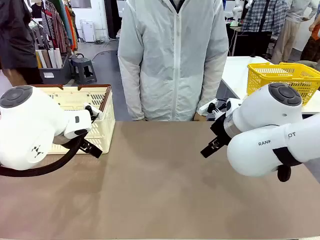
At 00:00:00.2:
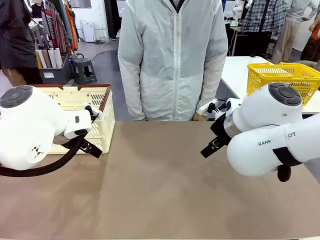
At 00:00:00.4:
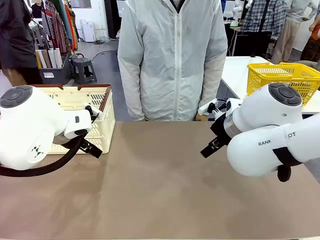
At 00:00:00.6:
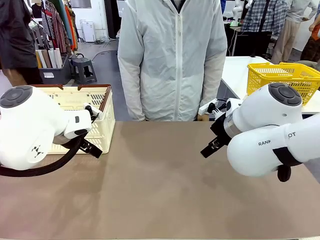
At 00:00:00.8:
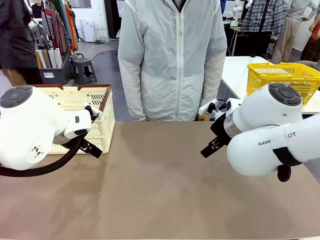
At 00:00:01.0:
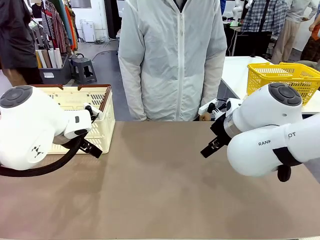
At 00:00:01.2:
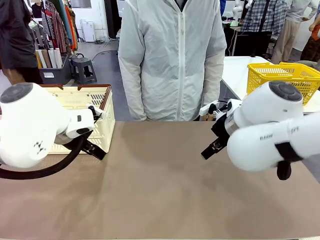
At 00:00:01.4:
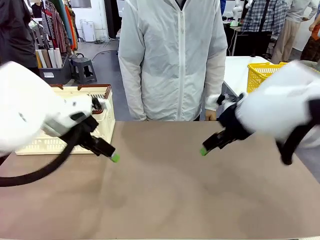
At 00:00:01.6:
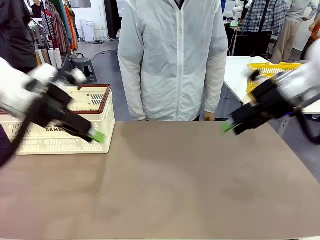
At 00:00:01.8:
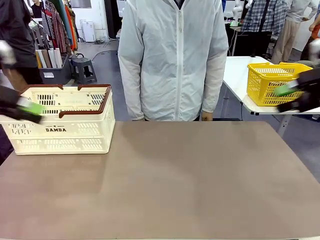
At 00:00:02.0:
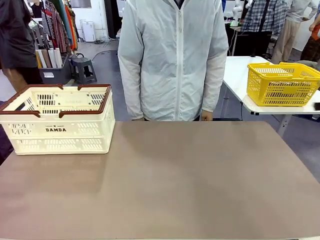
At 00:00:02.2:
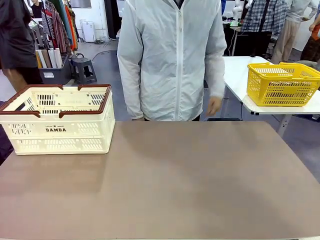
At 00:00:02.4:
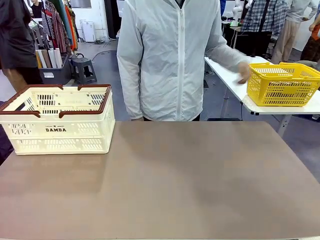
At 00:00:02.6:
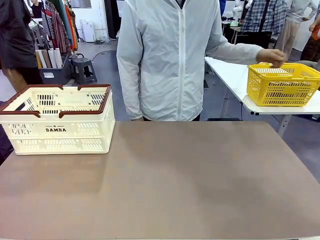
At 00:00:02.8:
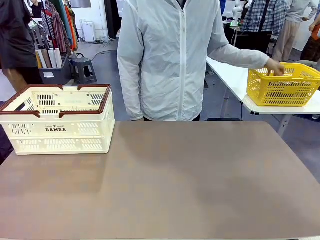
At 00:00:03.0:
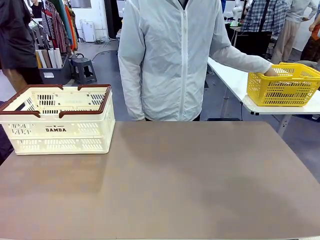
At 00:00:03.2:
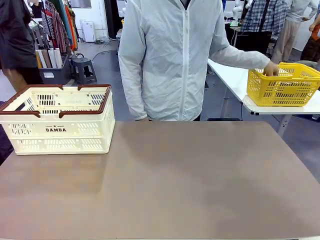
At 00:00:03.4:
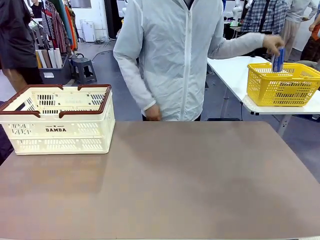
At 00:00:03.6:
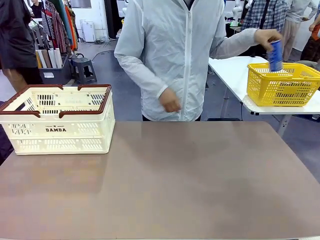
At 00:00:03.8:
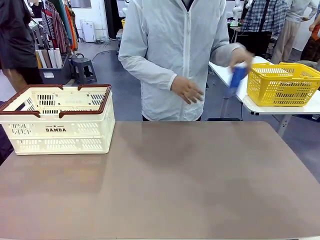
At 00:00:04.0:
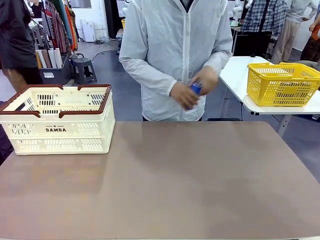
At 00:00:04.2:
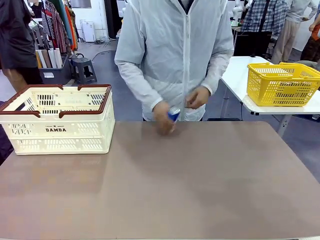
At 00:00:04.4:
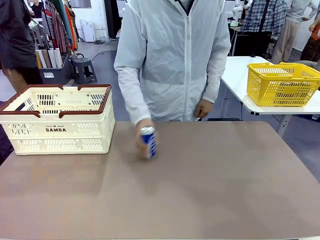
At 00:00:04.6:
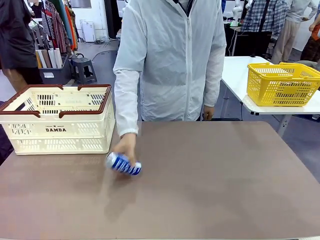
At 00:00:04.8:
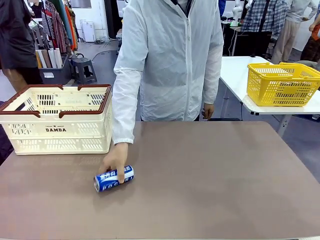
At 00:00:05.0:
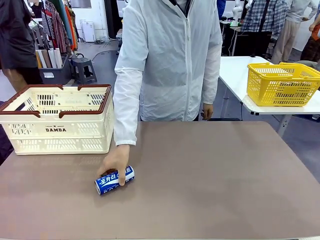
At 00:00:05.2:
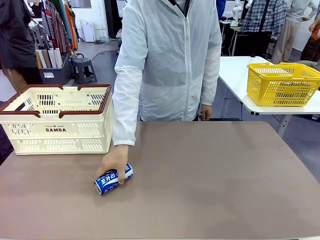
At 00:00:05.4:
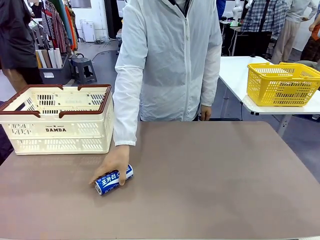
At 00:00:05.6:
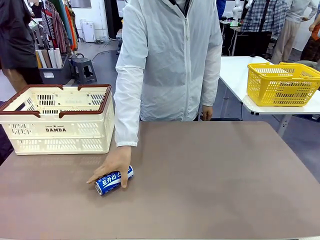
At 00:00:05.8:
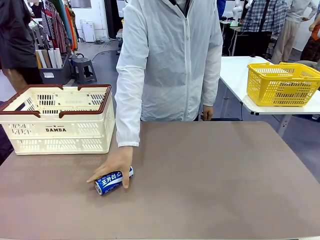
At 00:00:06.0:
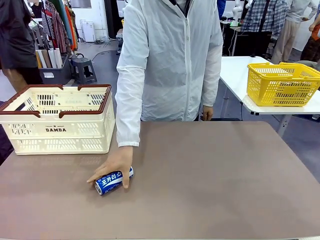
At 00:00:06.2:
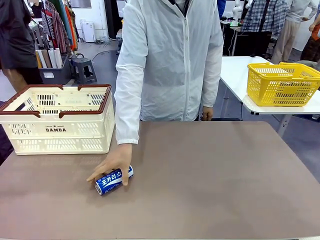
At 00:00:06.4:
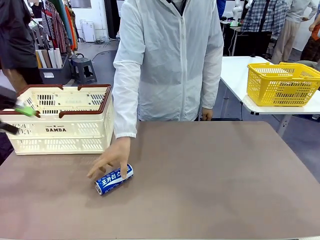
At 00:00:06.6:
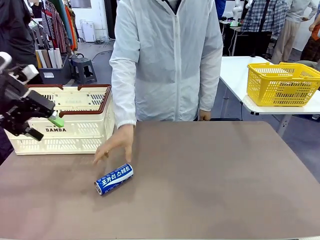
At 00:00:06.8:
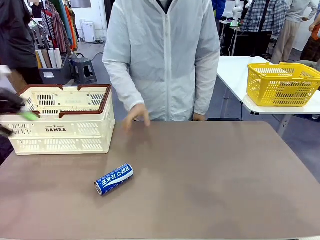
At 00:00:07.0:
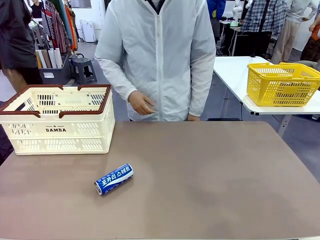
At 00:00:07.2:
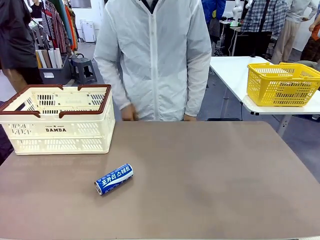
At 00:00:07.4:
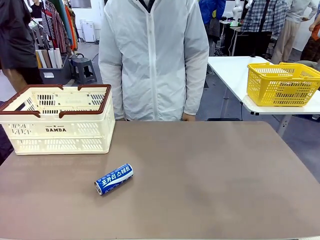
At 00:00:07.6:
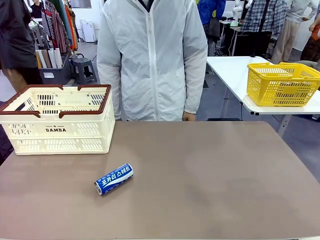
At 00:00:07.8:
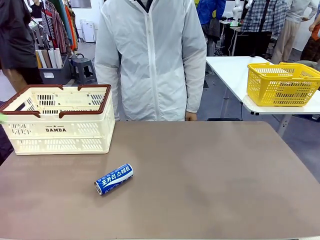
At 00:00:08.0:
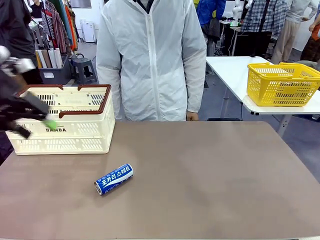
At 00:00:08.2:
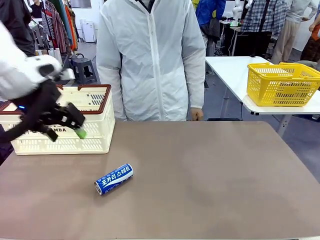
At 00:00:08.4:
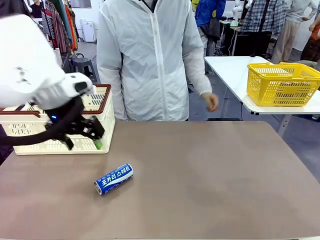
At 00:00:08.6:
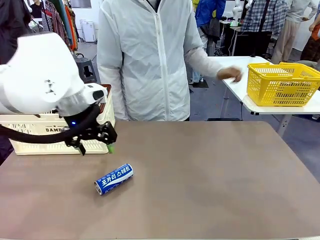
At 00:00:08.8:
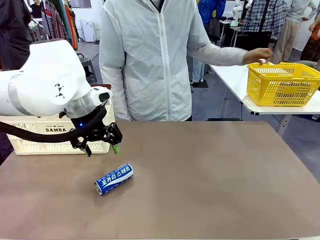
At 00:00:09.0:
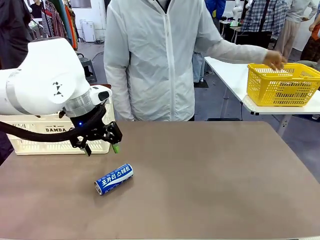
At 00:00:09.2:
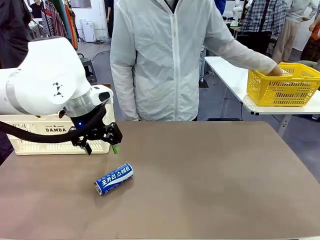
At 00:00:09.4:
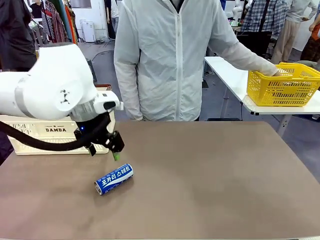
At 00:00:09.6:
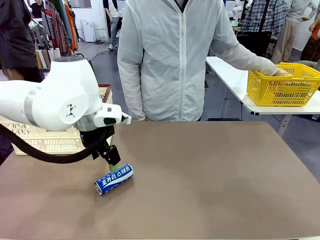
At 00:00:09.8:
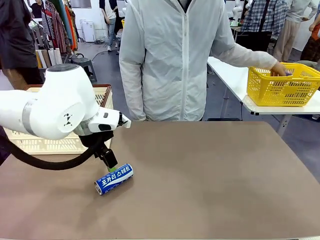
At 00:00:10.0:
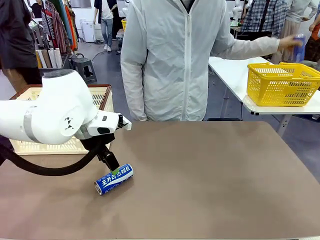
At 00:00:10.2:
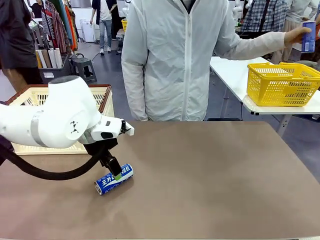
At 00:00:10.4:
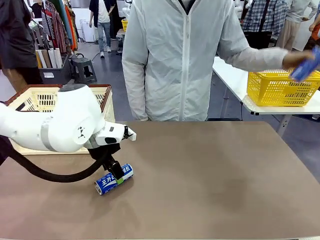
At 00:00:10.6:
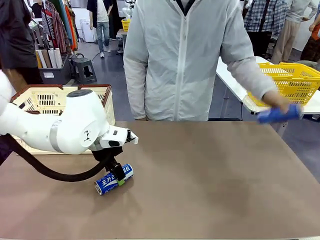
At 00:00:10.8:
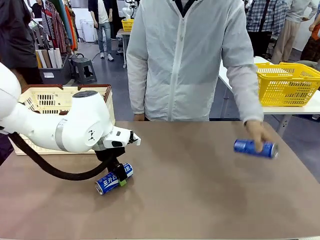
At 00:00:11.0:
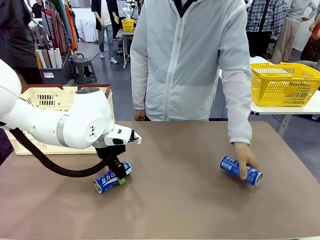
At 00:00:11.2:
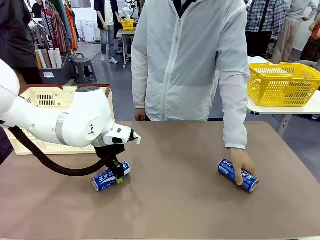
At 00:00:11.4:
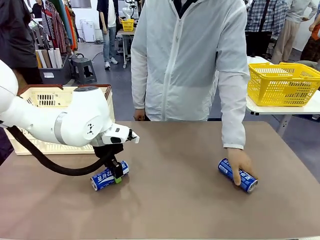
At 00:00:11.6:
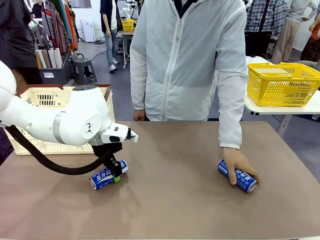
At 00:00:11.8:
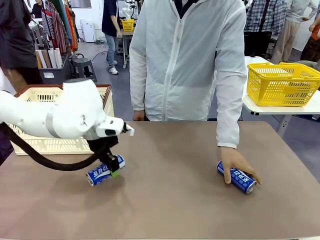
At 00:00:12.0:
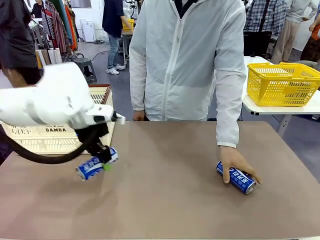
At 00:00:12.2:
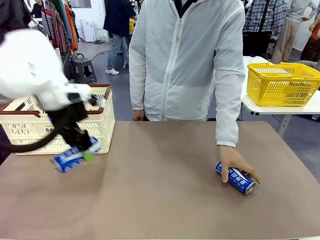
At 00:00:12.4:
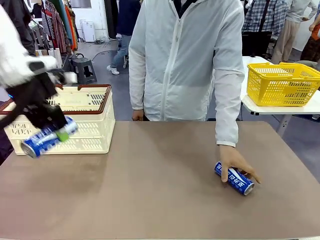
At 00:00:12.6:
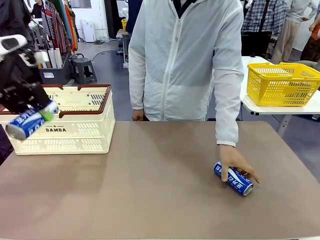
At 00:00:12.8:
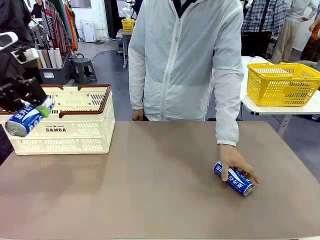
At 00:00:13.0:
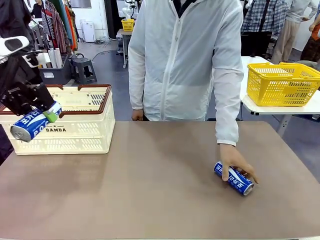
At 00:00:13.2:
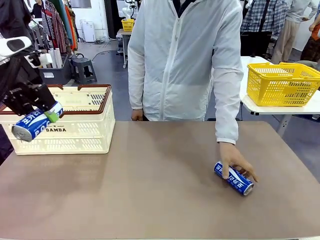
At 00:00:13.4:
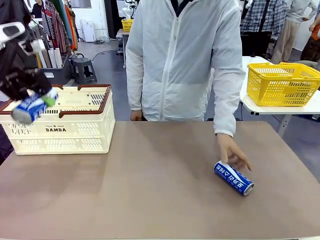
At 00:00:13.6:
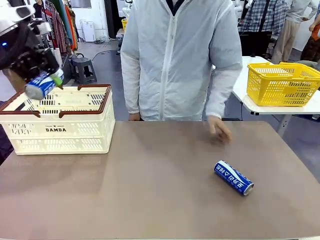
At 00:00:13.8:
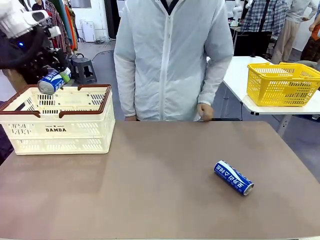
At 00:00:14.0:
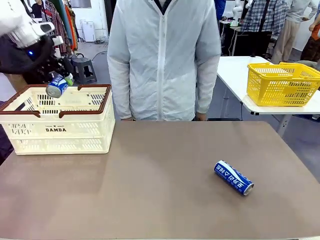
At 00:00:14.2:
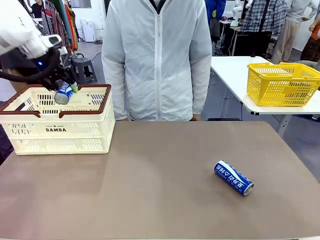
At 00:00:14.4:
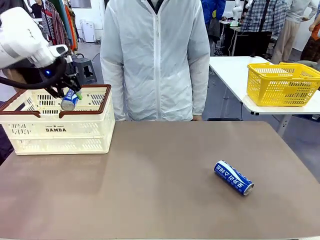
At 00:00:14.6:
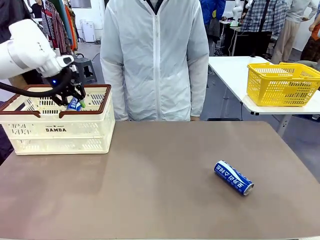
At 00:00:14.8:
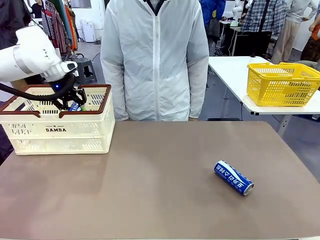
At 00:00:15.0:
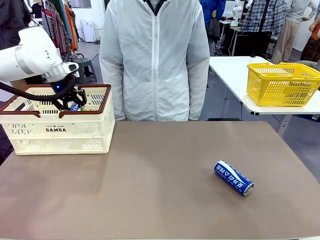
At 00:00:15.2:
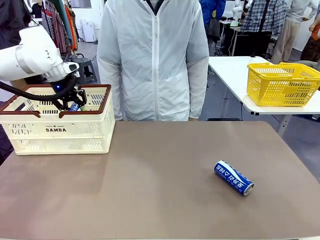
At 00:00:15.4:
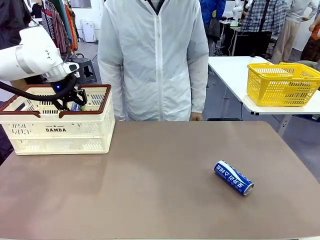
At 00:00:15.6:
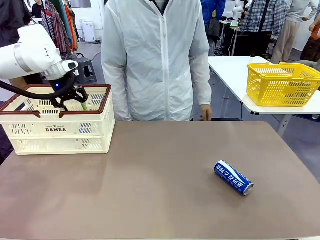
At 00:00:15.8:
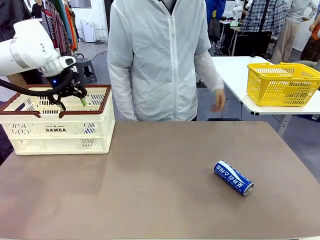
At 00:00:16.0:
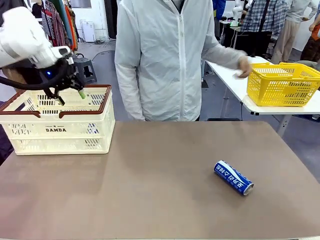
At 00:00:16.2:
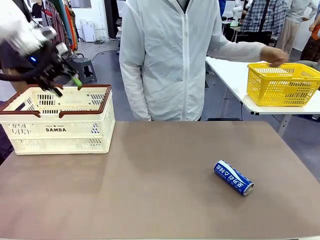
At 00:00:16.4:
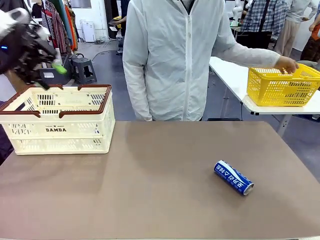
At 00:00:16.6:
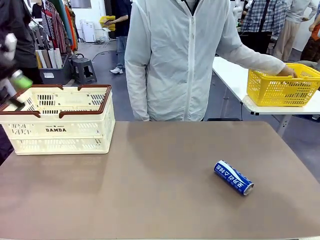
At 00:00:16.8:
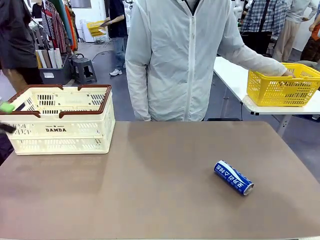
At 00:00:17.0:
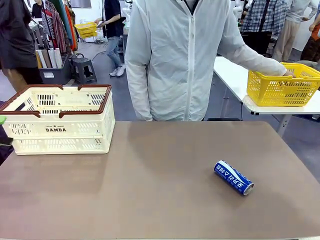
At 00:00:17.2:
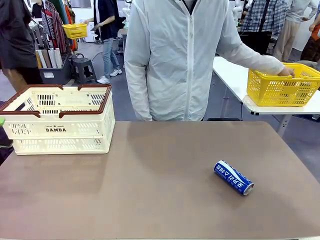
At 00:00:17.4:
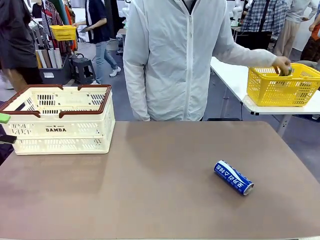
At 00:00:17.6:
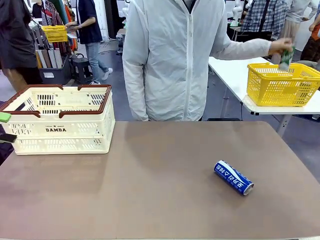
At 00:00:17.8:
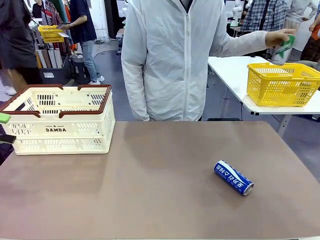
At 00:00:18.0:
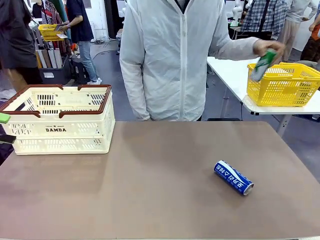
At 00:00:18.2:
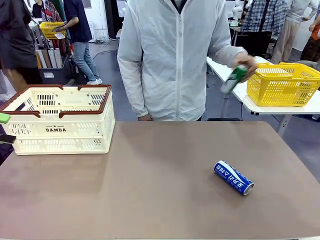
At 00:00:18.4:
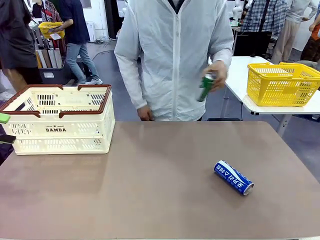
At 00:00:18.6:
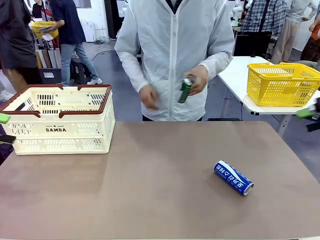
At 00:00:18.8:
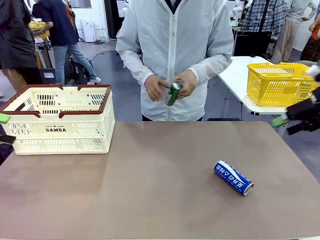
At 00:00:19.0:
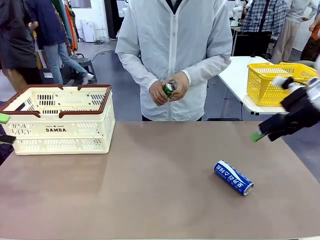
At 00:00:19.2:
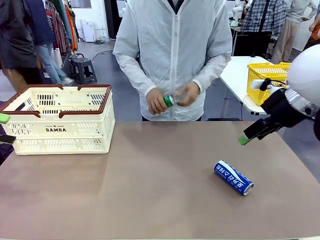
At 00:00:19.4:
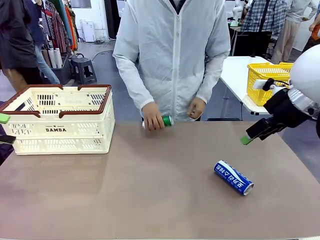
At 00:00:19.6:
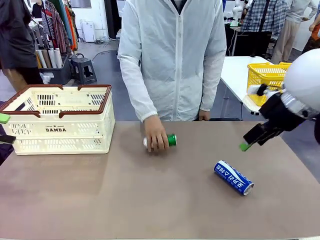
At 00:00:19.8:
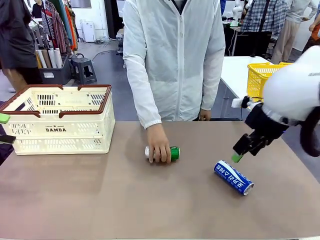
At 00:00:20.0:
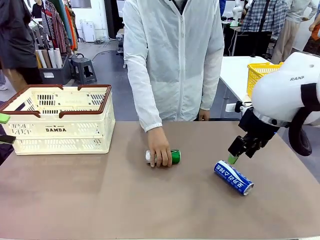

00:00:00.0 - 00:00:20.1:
Task: Place the drinks into the Shopping basket.
Robot: Pick up one drink and place it into the Shopping basket.
